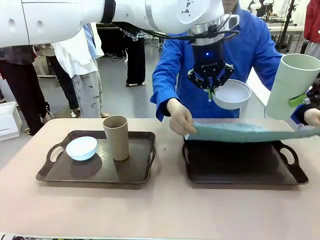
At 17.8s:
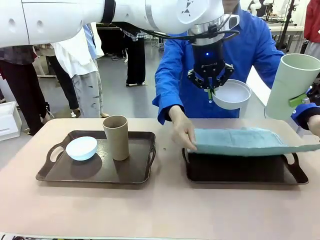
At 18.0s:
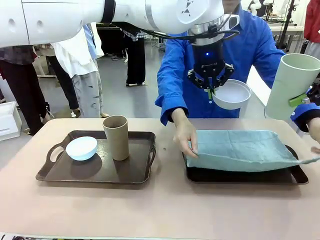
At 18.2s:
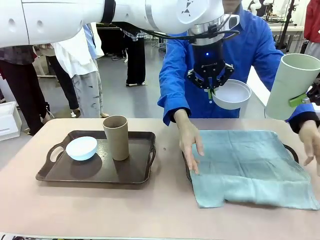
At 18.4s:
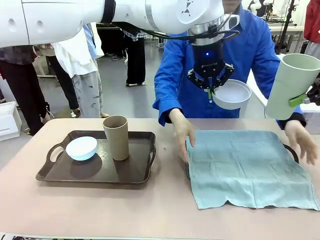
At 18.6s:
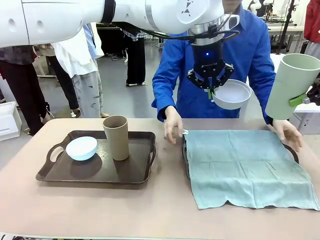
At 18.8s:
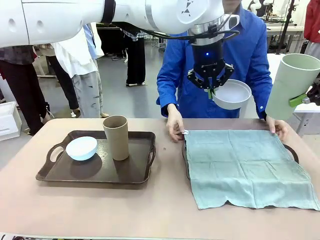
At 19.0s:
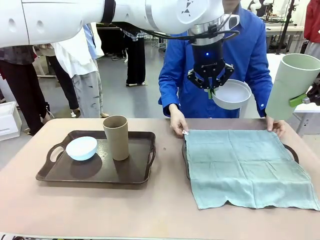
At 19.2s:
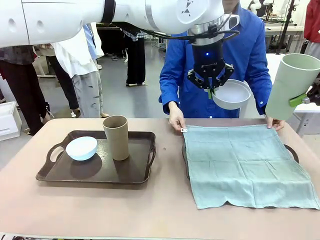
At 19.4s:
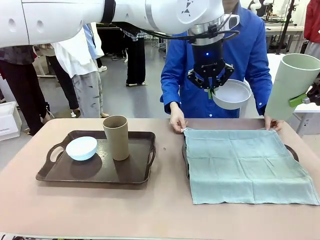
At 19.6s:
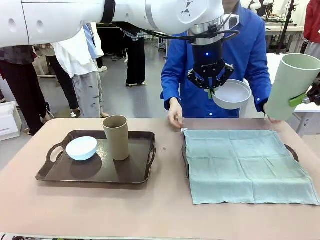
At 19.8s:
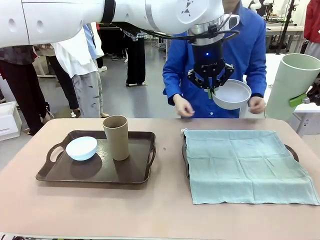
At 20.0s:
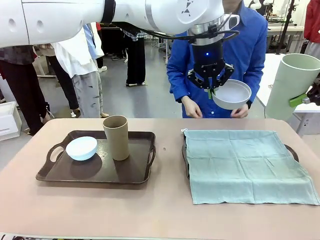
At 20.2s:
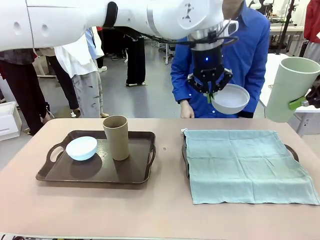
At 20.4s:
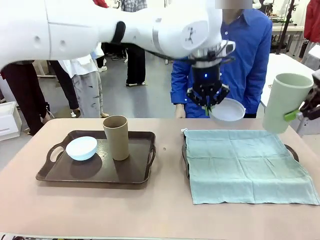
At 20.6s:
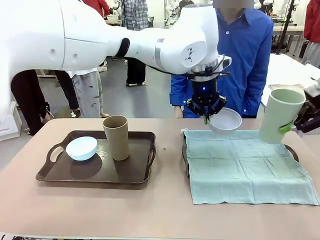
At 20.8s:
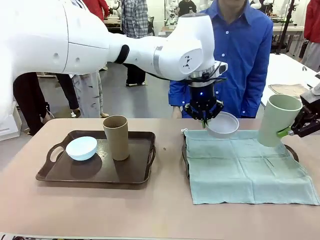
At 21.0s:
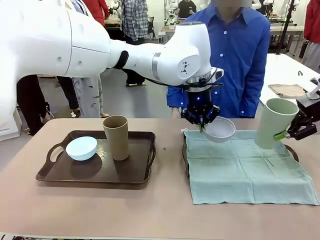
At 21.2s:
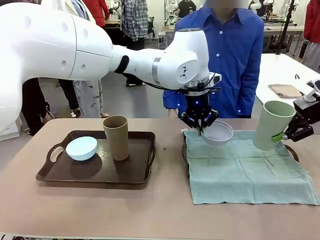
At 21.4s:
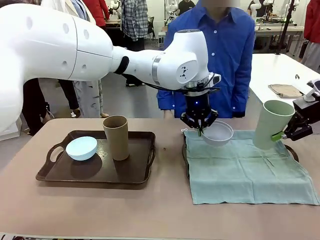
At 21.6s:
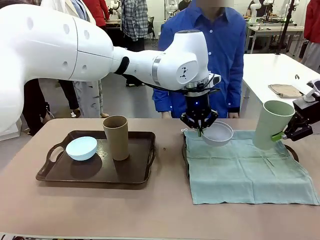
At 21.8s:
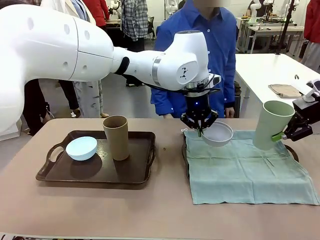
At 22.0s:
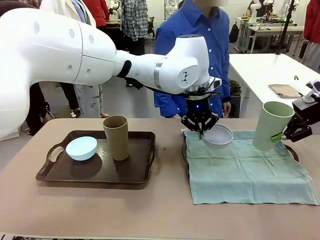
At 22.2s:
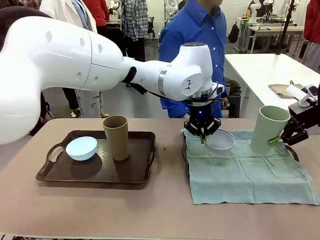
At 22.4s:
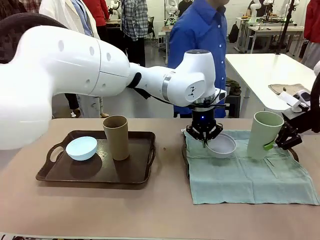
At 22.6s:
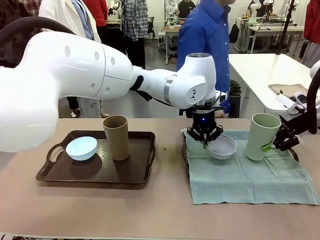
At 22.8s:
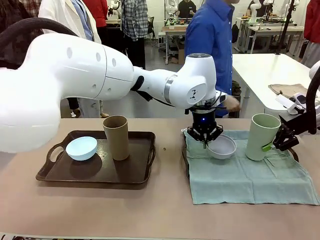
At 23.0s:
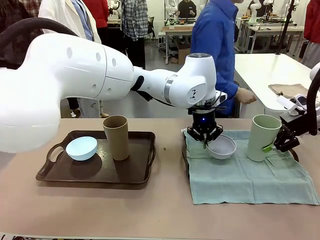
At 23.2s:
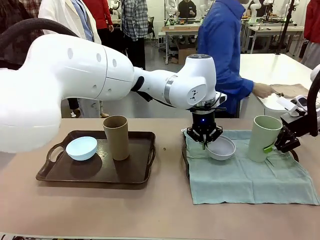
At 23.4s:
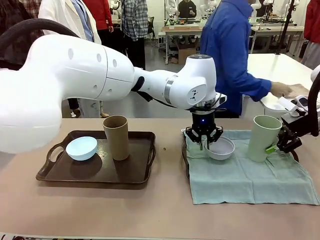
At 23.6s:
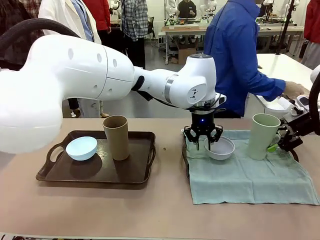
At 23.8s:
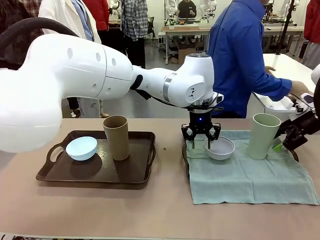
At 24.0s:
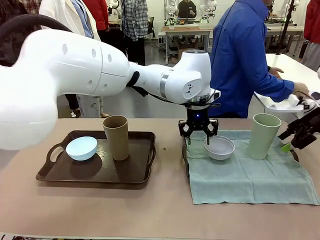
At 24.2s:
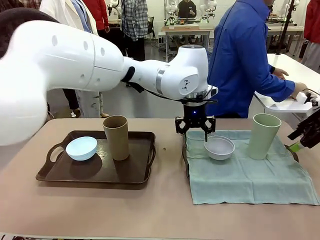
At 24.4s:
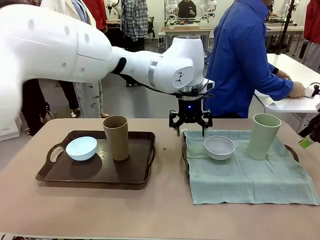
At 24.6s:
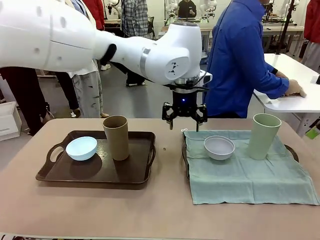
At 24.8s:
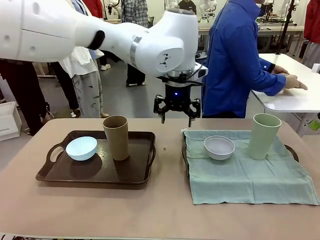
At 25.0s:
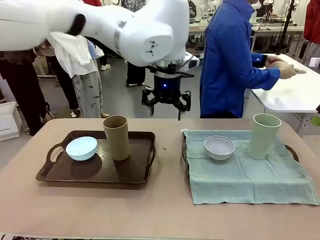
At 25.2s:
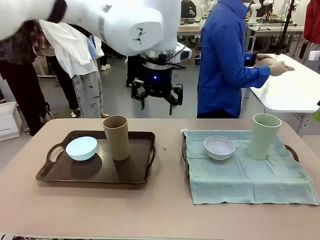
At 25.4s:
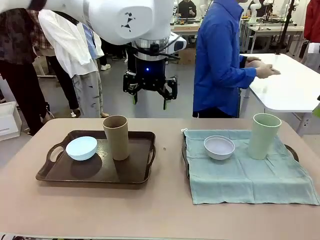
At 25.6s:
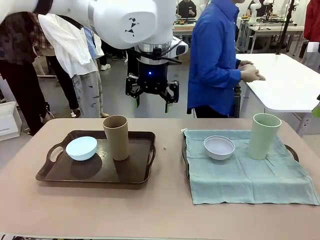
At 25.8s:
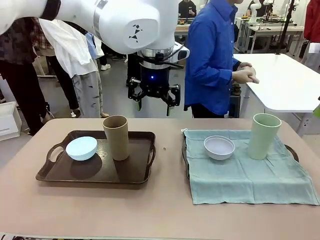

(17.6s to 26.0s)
Robot: Place the Picnic Bowl and Reusable plastic cup back onto the Handle tray in front of the human's position.
Person: The human returns to the human table to pick up another napkin and walks to the robot table to stand in front of the tray without a napkin.

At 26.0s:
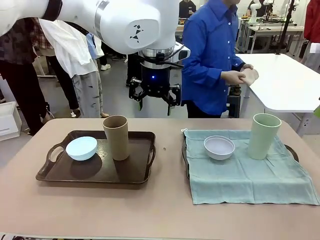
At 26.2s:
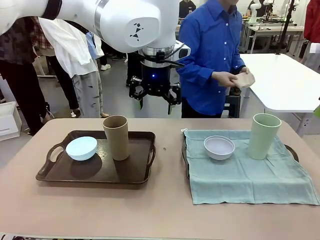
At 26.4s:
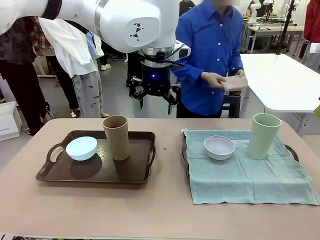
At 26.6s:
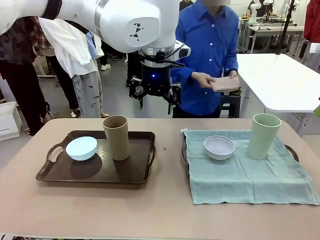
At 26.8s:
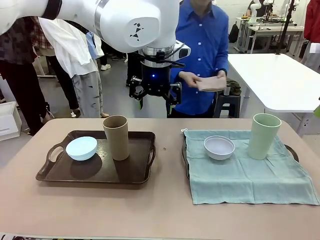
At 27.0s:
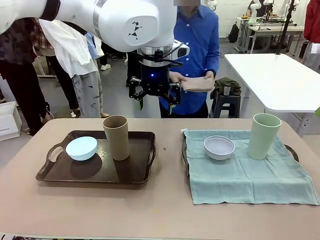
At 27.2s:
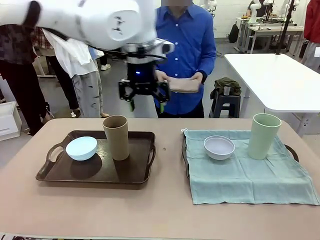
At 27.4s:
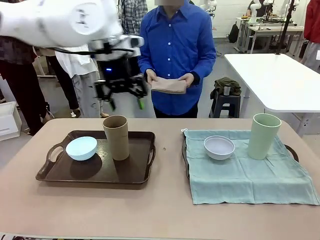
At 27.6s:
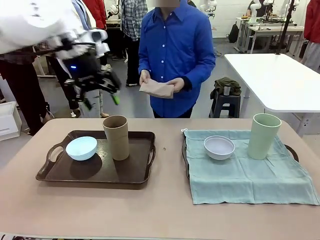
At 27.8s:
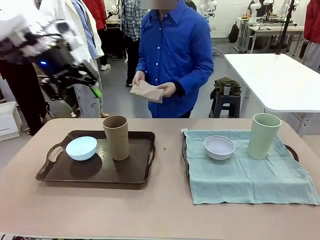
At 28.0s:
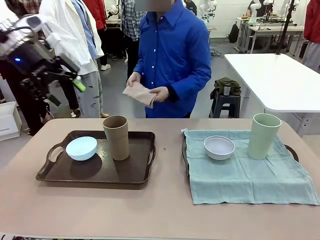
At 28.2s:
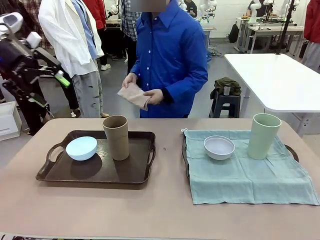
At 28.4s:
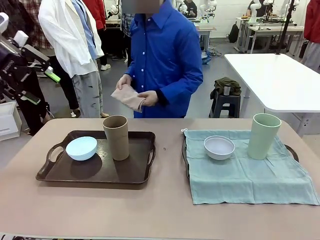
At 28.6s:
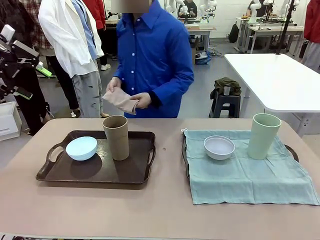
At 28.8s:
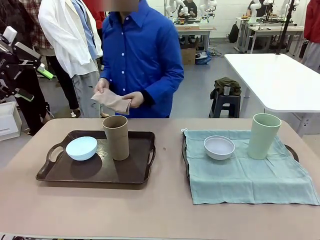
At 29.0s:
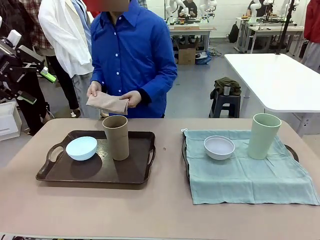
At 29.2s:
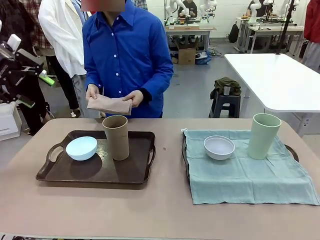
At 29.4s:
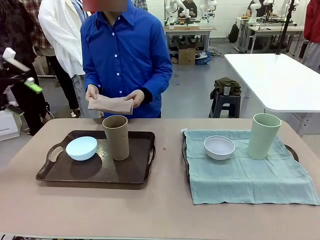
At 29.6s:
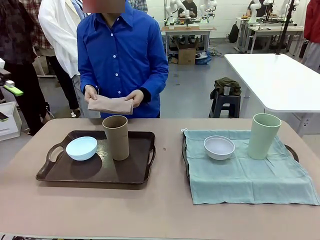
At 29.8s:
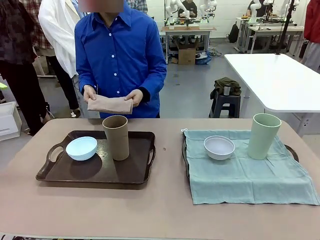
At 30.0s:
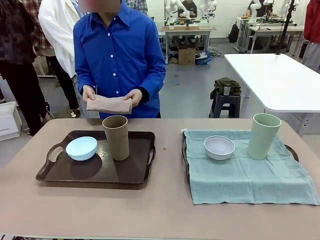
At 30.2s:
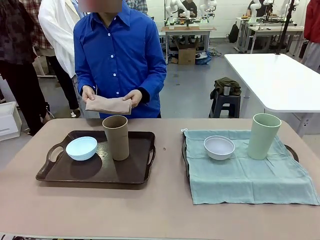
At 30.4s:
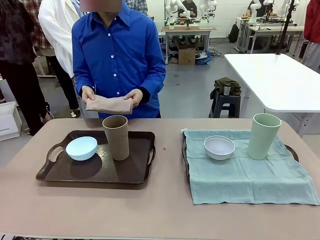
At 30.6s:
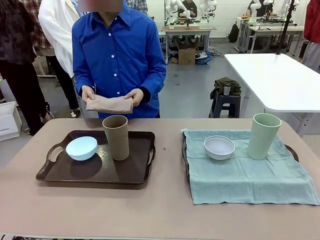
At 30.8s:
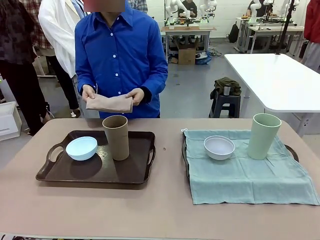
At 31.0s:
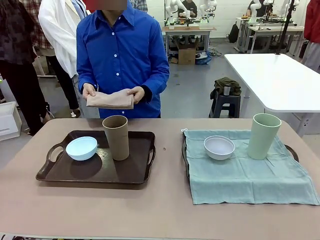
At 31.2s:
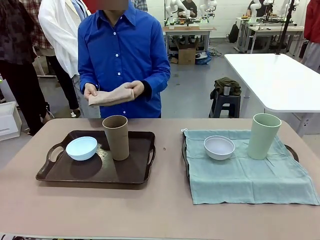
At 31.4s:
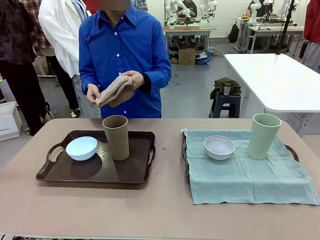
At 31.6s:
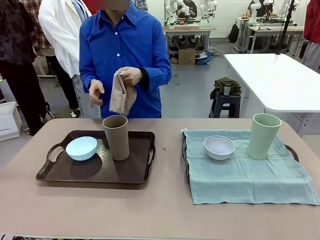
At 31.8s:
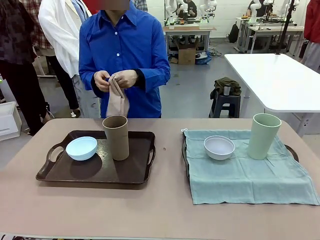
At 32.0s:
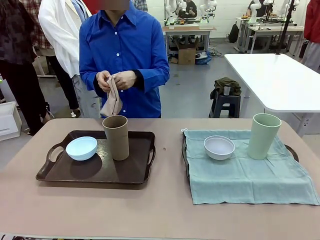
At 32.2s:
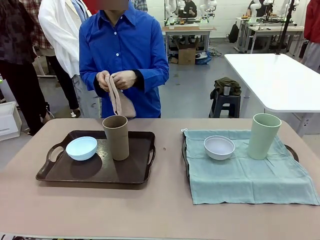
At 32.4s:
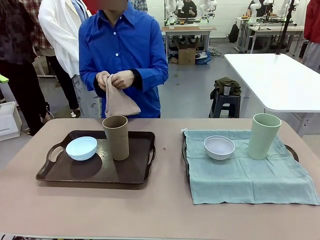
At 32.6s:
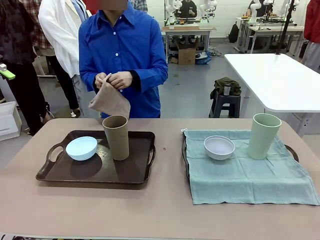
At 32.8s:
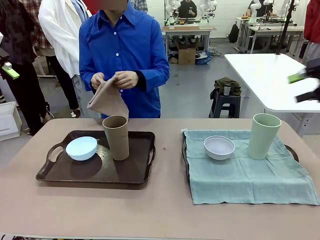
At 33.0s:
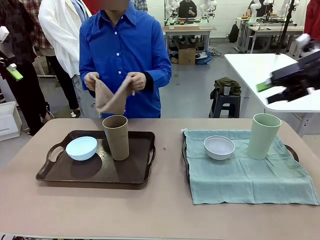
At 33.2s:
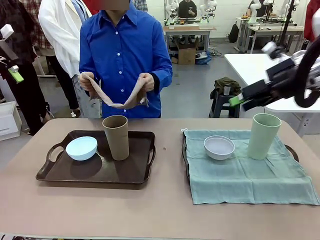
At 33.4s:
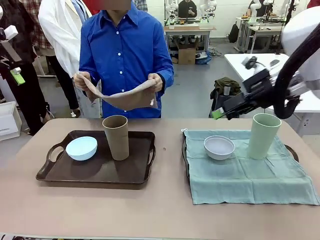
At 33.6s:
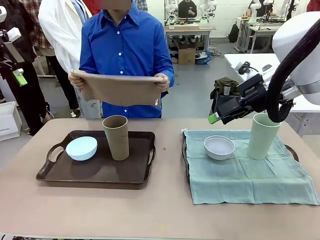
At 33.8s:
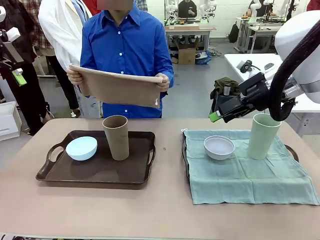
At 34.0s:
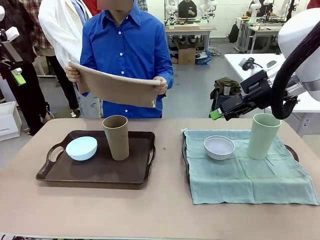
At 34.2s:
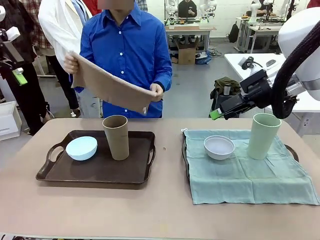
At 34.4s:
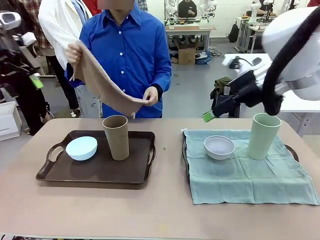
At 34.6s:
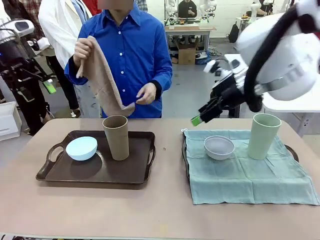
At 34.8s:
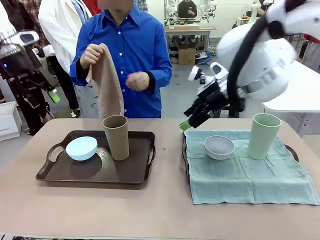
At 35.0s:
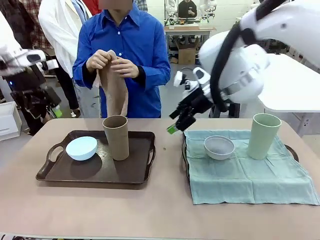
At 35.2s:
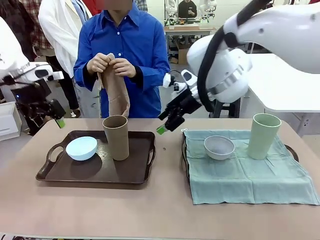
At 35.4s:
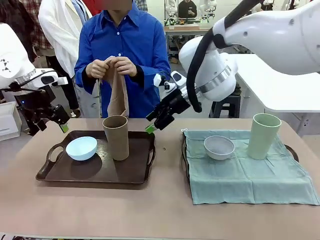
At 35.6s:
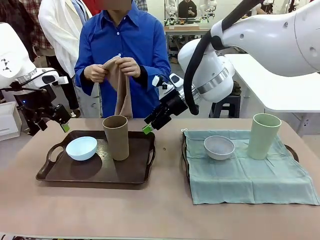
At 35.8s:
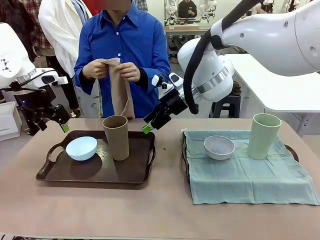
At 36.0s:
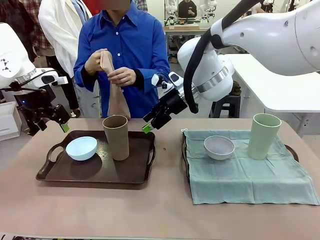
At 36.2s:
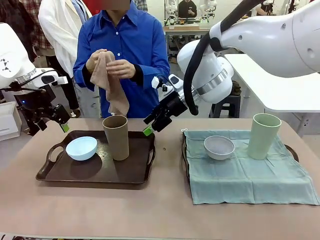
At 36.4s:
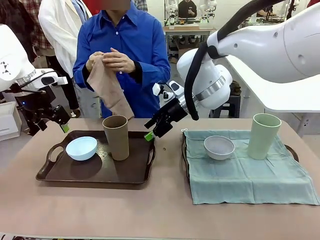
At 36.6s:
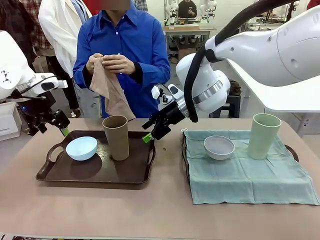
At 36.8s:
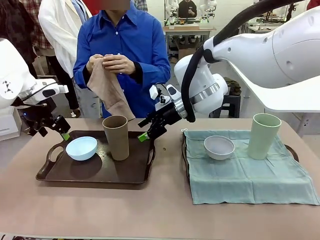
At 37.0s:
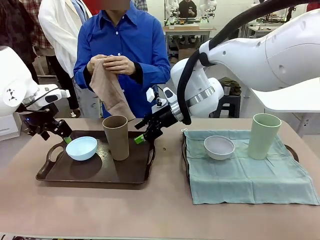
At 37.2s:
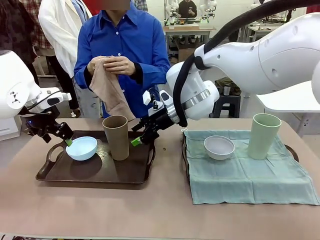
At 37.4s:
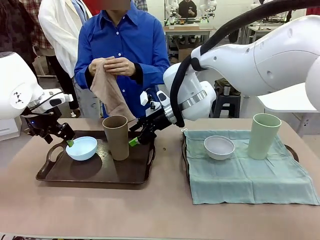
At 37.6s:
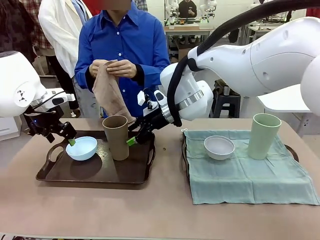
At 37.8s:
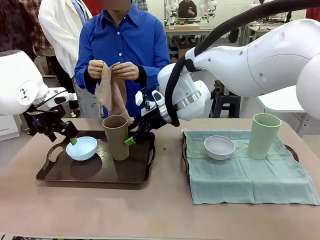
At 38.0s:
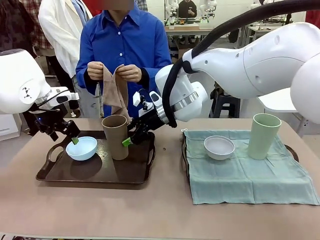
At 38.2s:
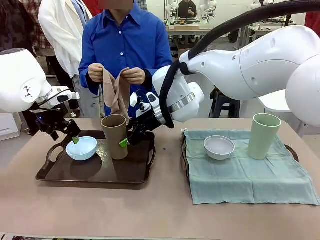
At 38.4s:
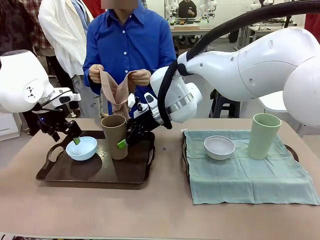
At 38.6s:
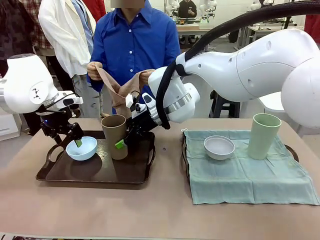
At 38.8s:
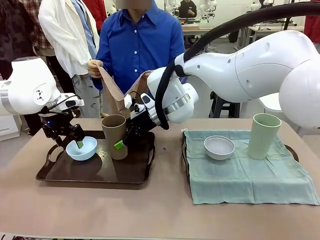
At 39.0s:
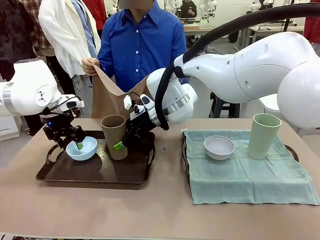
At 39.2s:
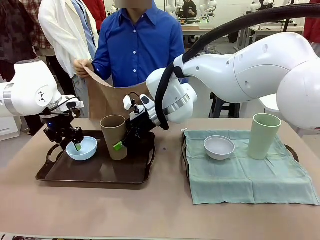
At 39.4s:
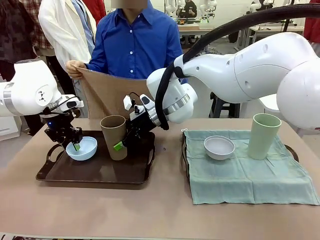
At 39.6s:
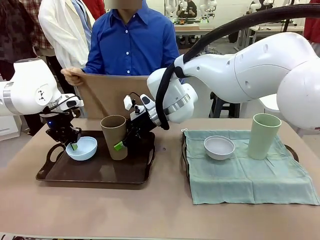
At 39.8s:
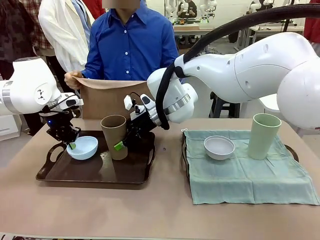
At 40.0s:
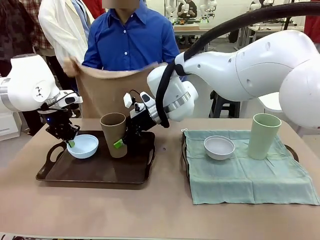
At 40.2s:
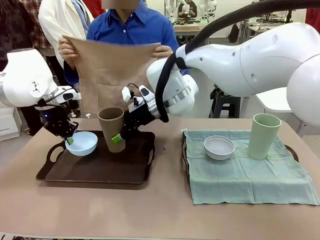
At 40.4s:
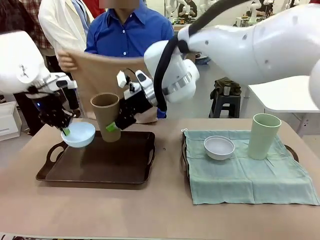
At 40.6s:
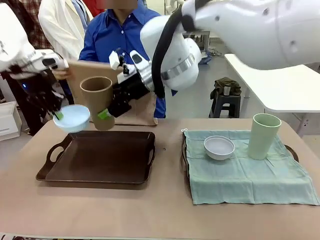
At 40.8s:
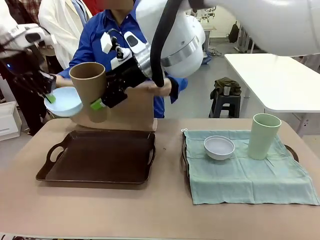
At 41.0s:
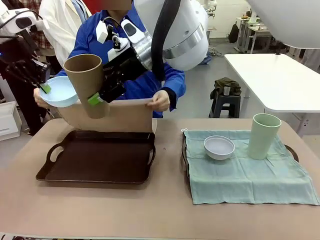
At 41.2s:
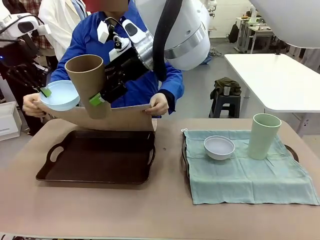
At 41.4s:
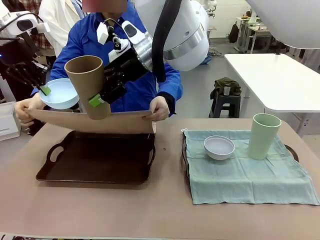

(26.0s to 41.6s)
Robot: Pick up the Picnic Bowl and Reusable plastic cup from the Handle tray in front of the human's position and hold them in the air.
